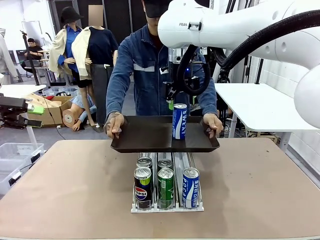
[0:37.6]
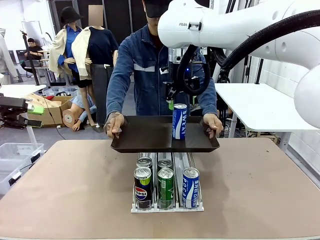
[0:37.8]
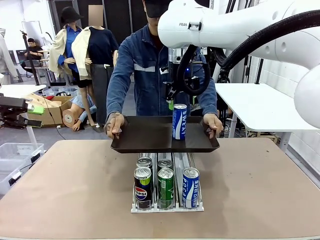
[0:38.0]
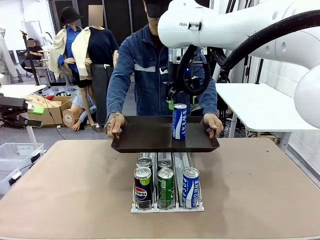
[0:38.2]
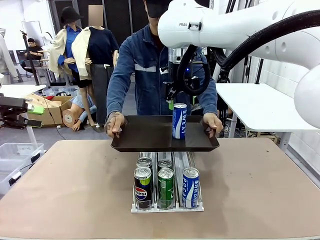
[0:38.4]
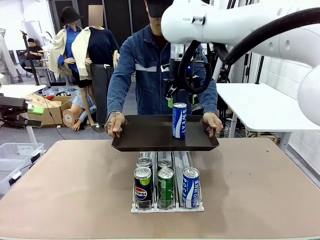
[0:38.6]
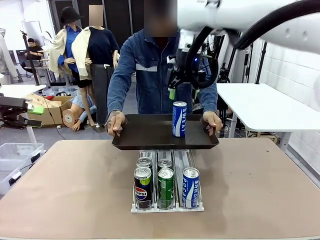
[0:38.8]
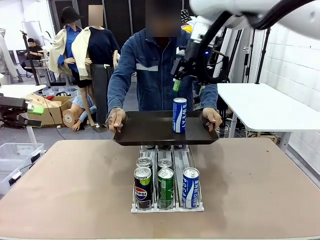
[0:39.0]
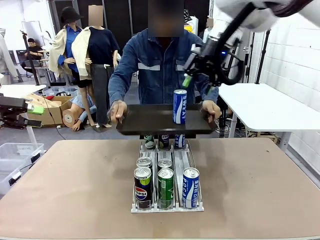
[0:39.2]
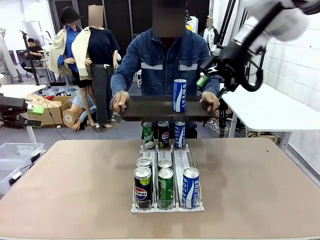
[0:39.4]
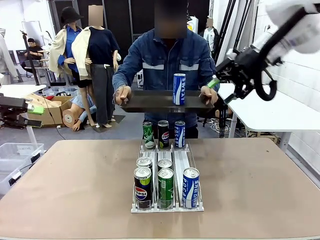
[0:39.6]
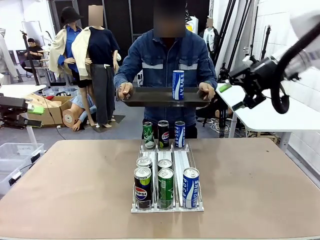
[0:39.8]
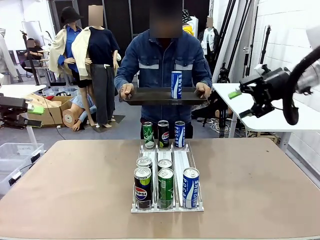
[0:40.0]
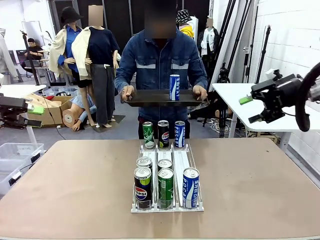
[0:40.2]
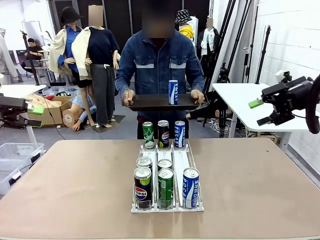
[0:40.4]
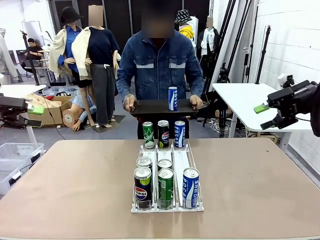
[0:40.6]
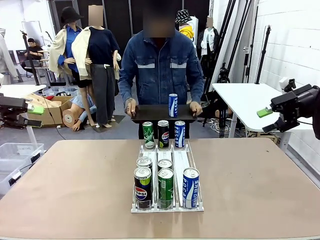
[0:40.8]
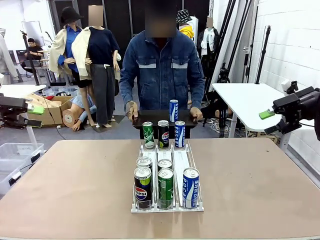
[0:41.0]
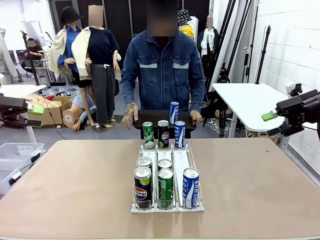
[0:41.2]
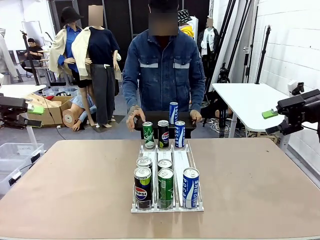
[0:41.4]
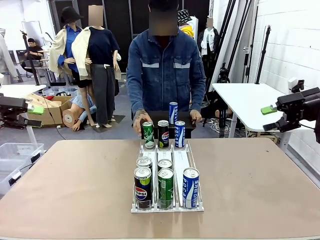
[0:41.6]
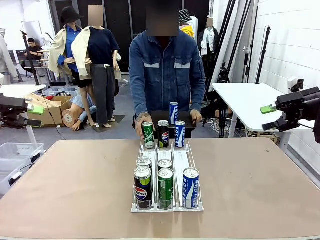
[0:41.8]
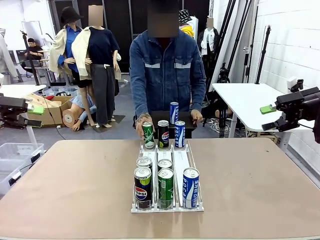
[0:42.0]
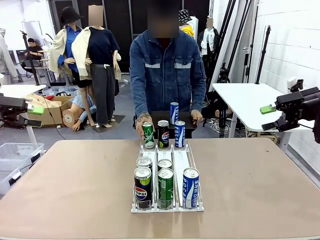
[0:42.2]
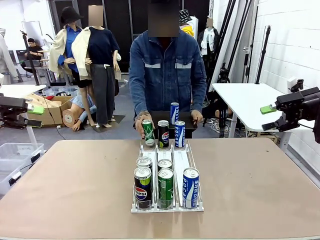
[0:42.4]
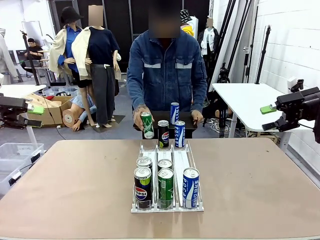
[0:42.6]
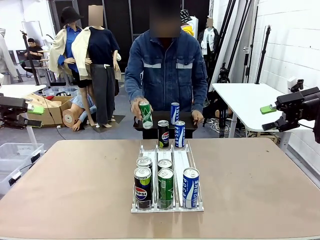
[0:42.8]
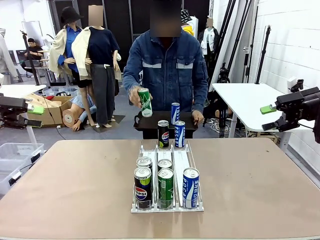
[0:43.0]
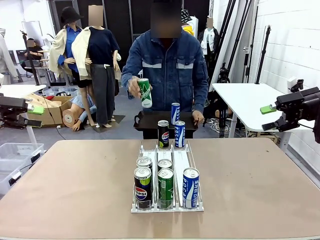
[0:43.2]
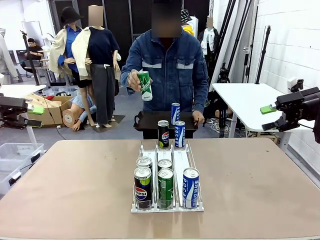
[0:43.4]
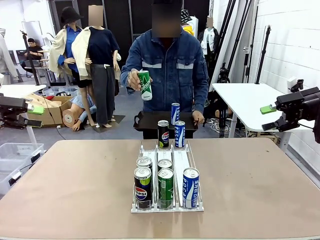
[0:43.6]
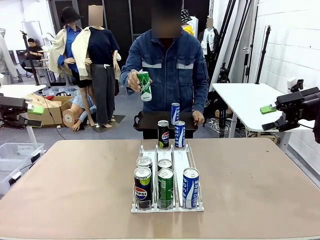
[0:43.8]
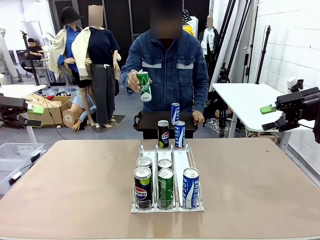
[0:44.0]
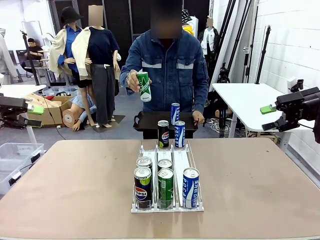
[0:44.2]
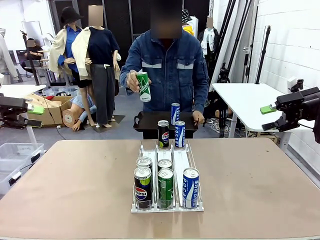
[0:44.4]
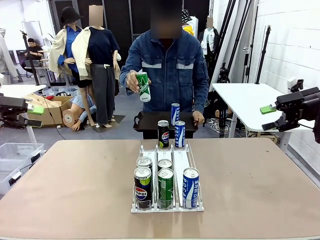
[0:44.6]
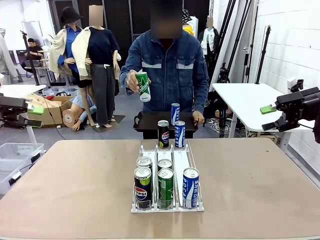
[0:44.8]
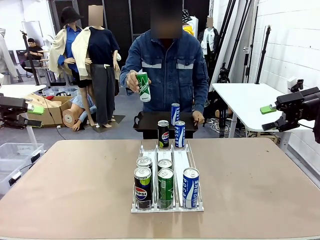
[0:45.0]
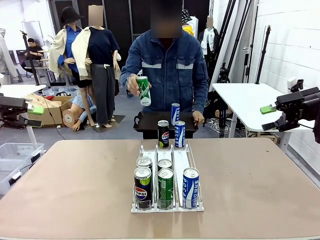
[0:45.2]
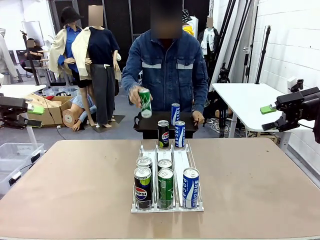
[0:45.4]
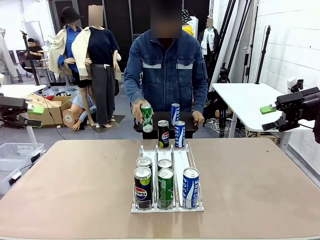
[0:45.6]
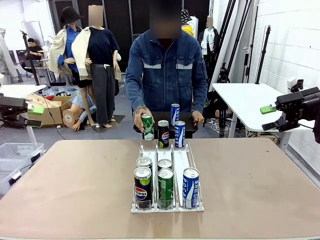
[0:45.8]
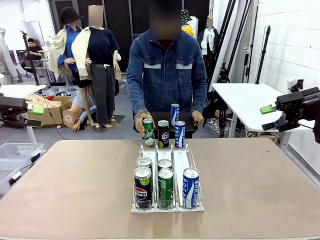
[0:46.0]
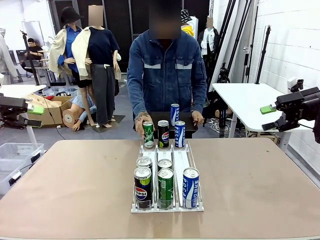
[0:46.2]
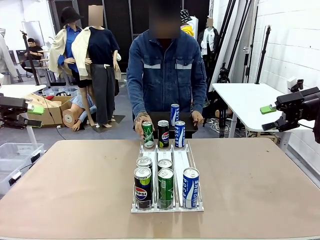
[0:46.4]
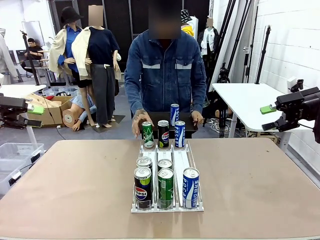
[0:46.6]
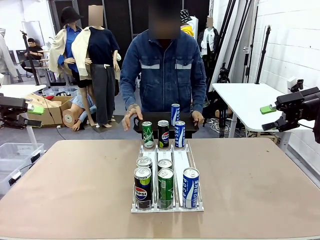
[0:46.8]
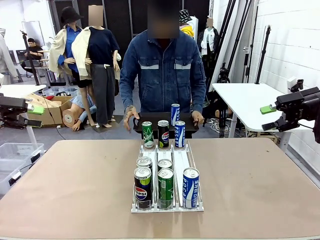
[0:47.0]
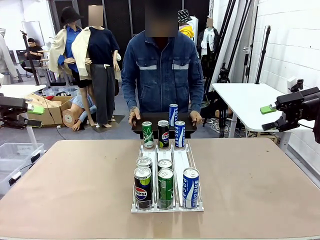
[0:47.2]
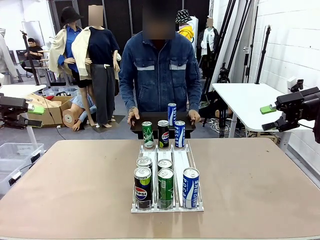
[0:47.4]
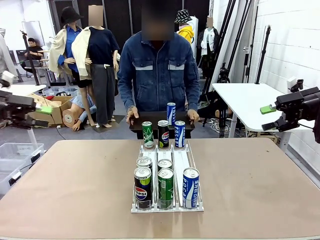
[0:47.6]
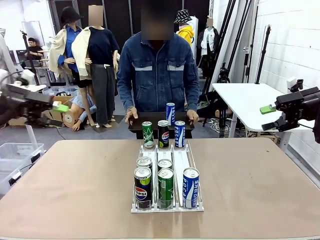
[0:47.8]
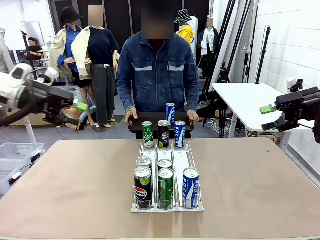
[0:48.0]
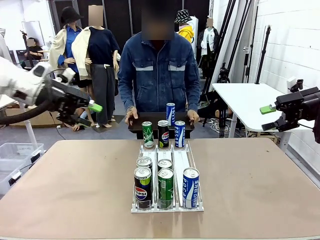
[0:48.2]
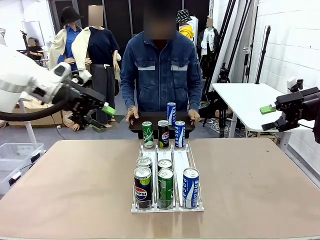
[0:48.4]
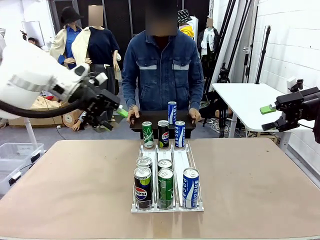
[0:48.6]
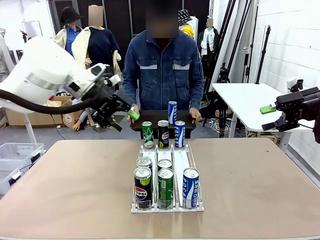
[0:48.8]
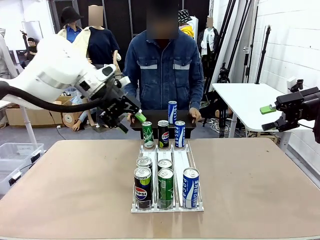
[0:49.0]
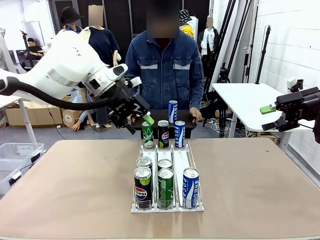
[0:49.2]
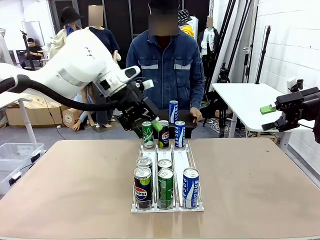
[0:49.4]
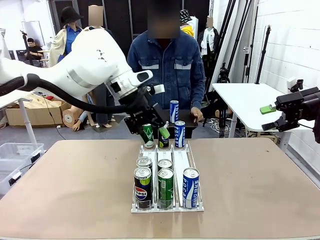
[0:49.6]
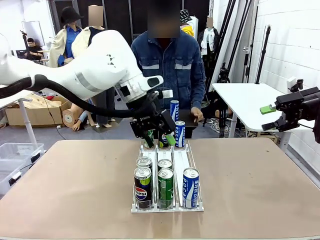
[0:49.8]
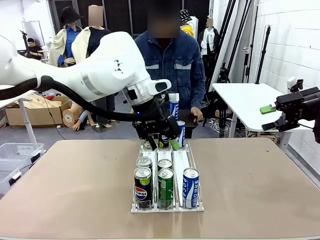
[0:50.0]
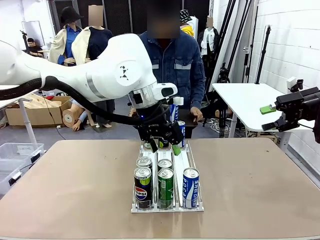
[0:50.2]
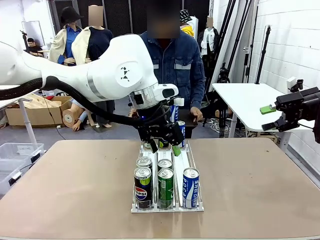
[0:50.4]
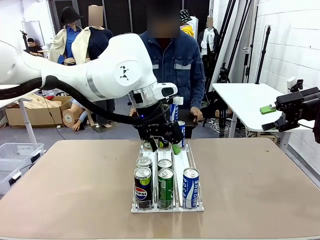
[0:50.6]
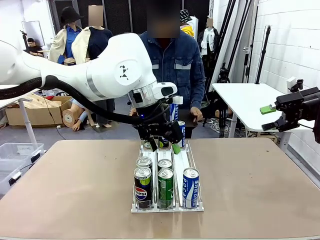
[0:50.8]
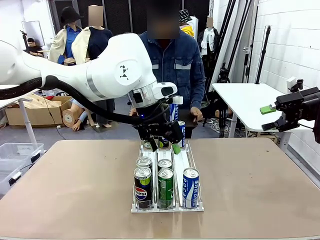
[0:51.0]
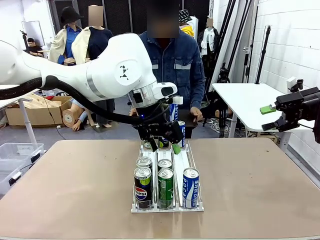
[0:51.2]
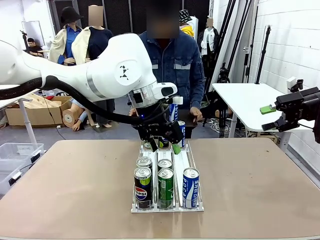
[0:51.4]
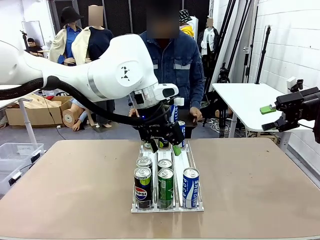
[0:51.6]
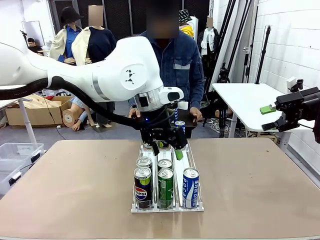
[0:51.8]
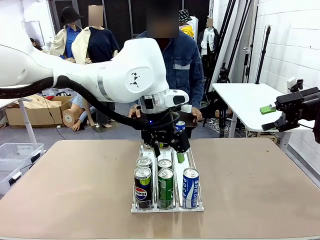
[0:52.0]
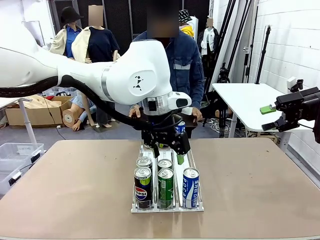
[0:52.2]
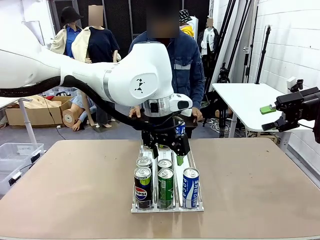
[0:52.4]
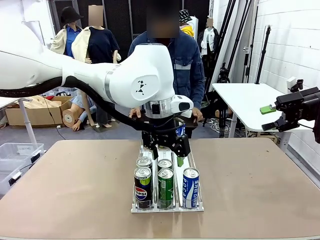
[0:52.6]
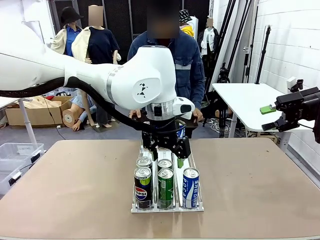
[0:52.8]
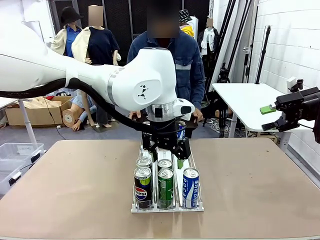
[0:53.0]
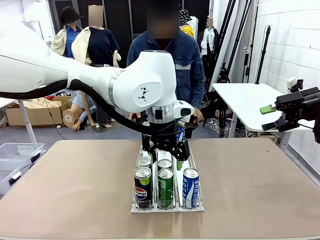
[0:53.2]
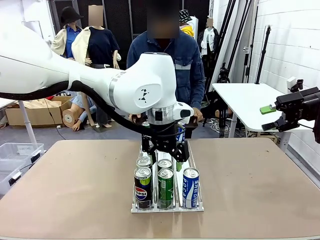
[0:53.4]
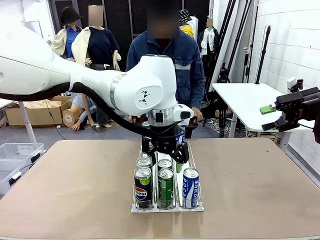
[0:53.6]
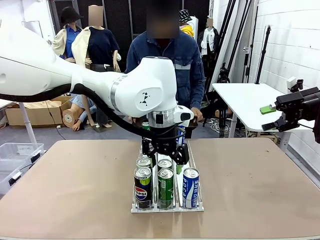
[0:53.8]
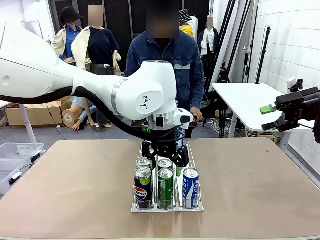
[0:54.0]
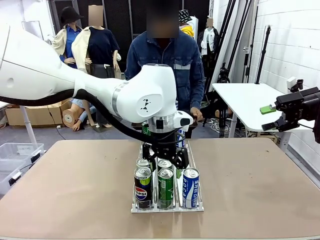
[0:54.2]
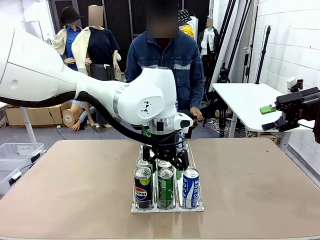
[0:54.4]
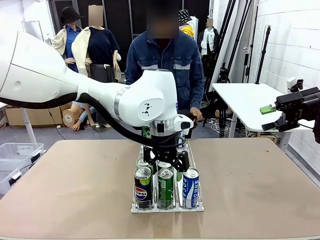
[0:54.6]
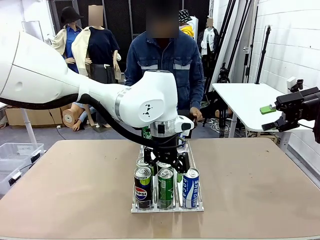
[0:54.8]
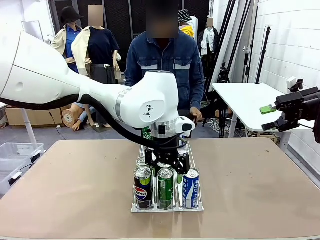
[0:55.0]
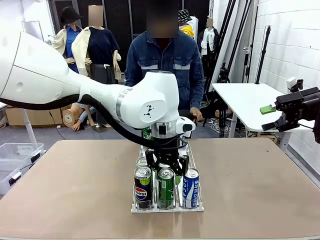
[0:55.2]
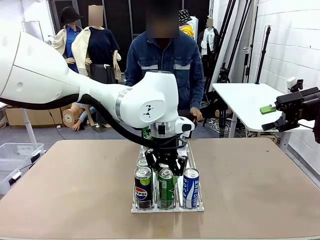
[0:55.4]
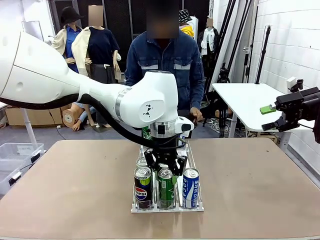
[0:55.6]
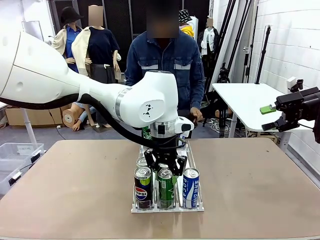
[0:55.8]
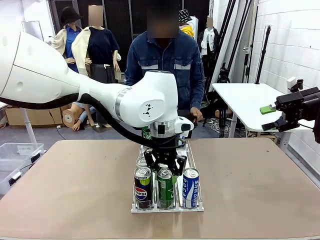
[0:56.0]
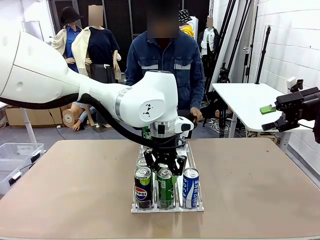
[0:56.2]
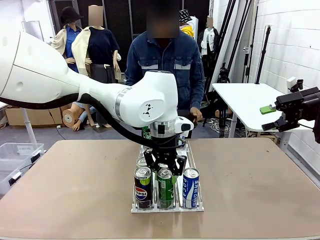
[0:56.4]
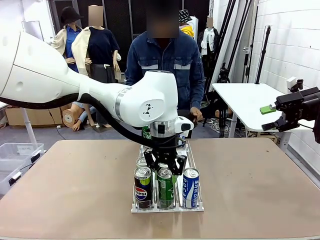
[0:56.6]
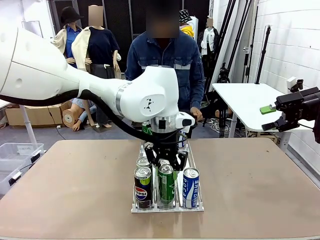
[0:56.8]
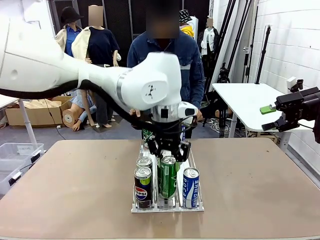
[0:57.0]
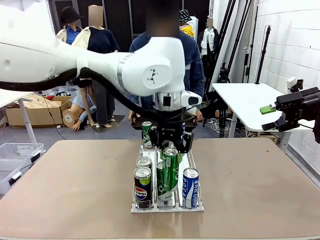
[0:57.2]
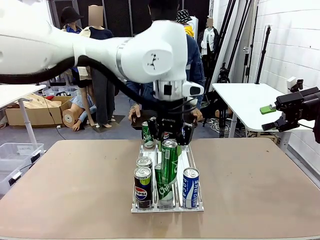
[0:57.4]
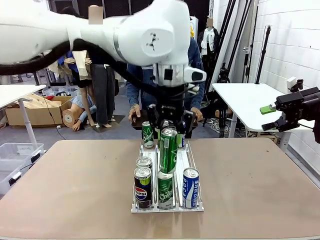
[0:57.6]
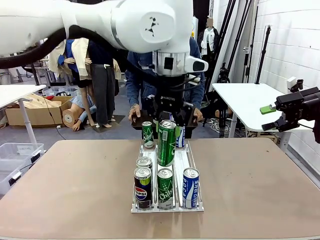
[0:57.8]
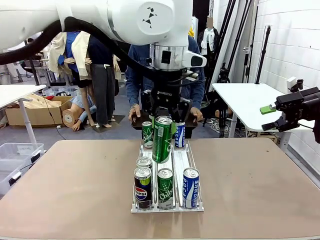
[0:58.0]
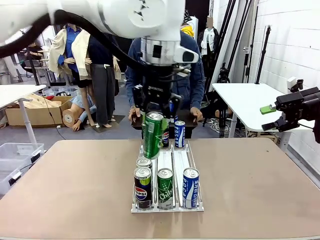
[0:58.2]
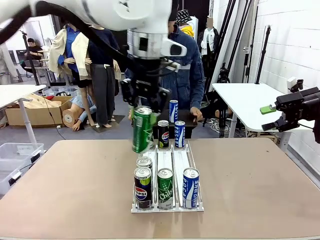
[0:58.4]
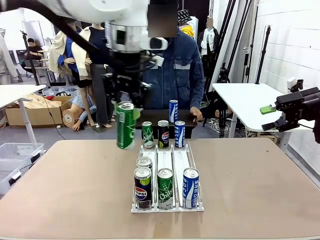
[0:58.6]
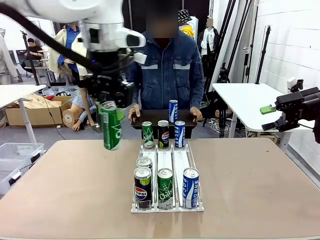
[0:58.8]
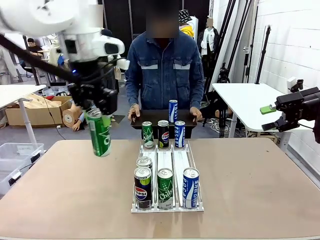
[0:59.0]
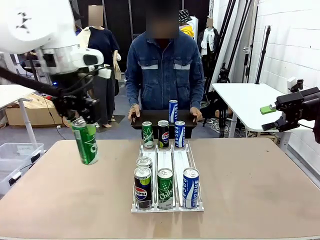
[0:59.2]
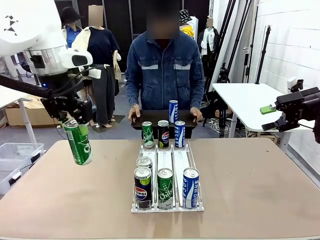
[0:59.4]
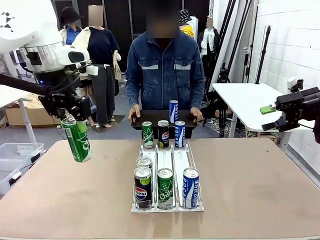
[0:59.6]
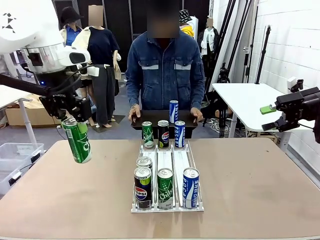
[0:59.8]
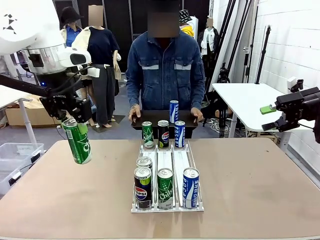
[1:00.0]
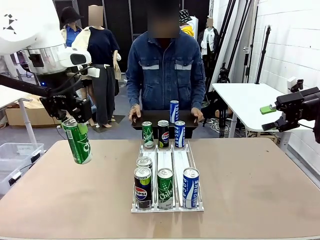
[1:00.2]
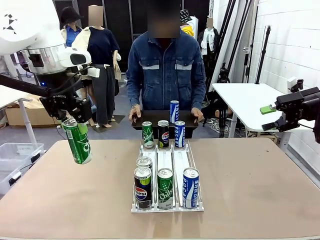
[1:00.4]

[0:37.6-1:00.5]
Task: Retrieve and hand over the desired beverage to the person.
Robot: Pick up another can of the same type that the person held from the Automatic Can Dispenser.
Person: Pull the tray back, then pick up another can from the bottom area of the table and puts it back in its original place. Push the tray toward the robot again.
